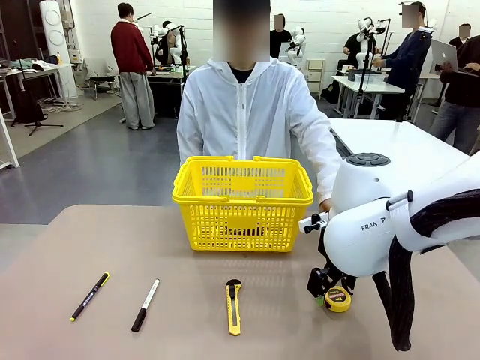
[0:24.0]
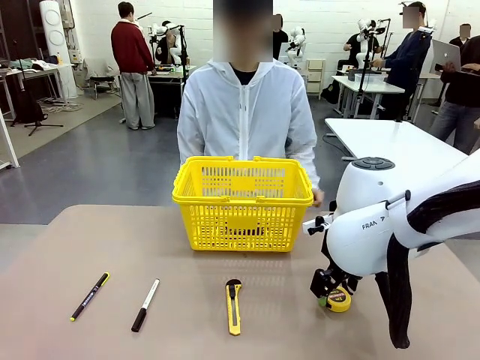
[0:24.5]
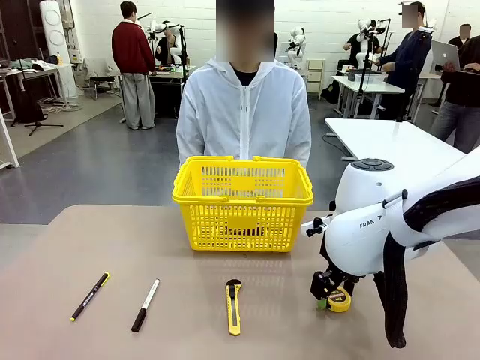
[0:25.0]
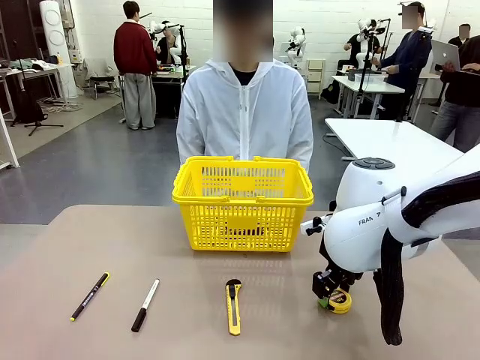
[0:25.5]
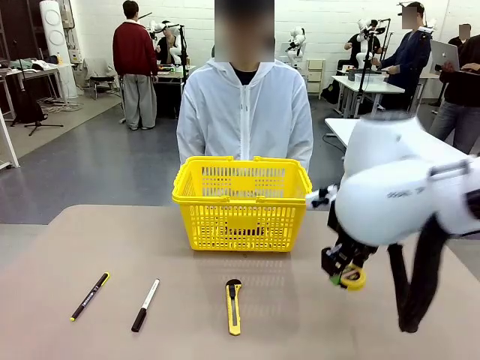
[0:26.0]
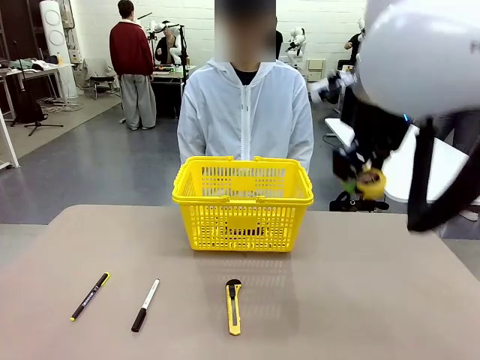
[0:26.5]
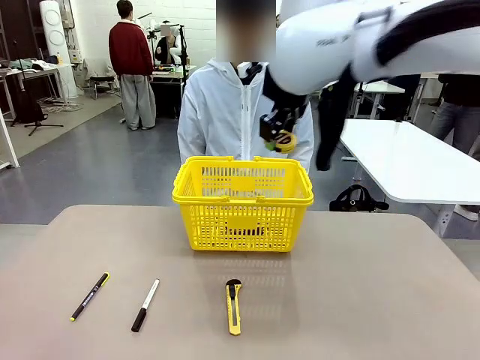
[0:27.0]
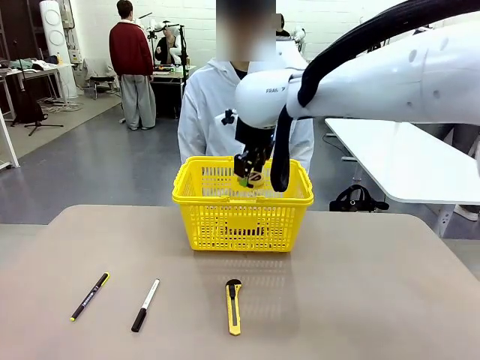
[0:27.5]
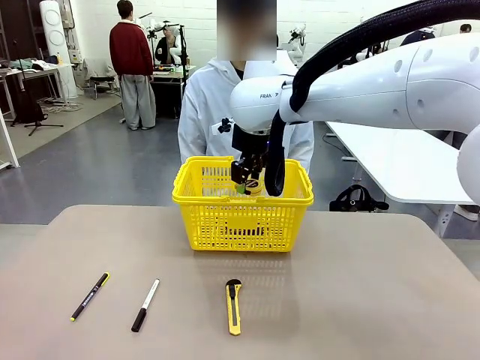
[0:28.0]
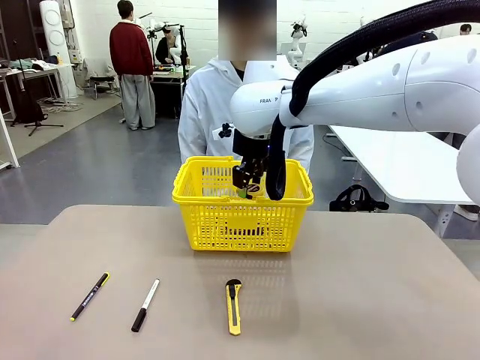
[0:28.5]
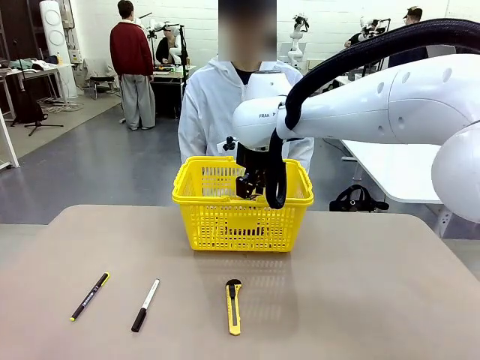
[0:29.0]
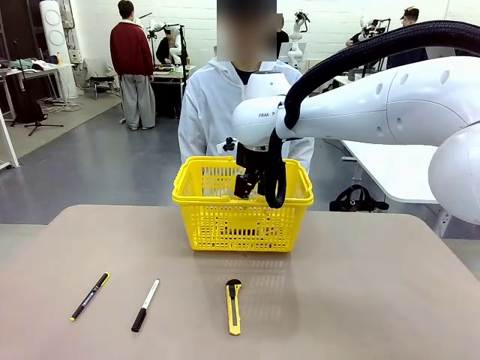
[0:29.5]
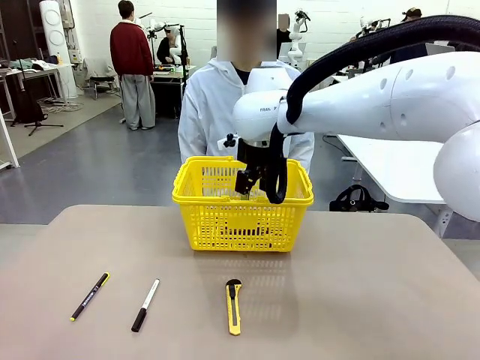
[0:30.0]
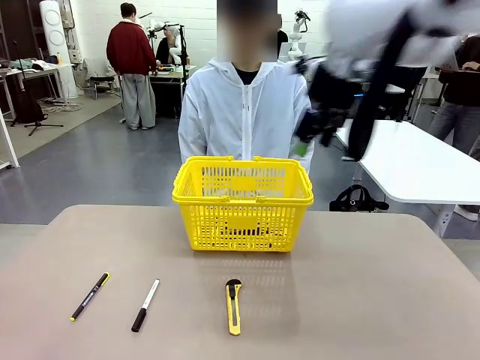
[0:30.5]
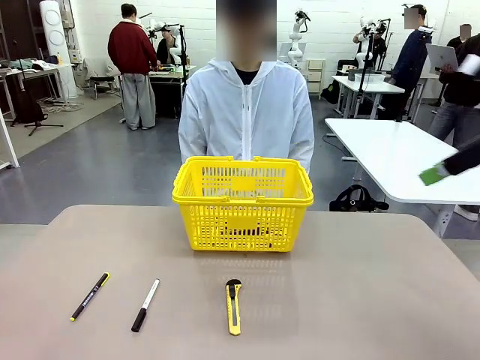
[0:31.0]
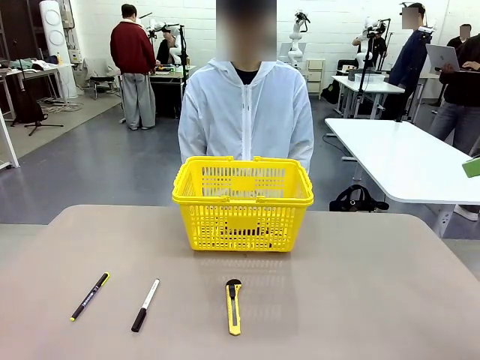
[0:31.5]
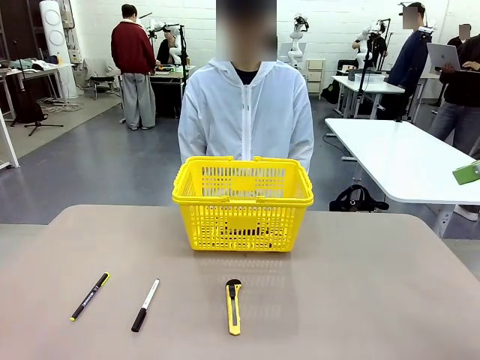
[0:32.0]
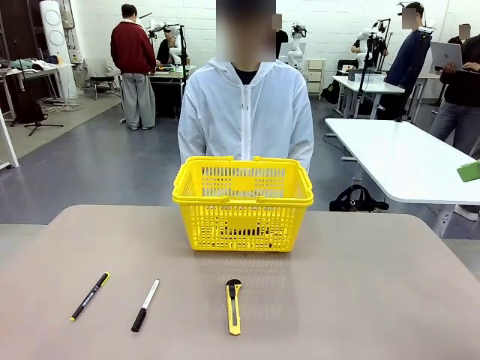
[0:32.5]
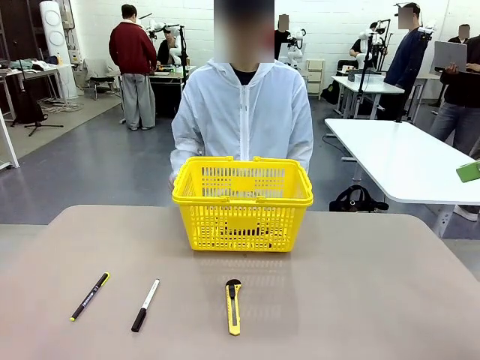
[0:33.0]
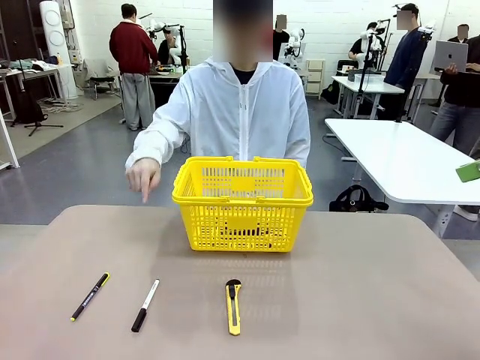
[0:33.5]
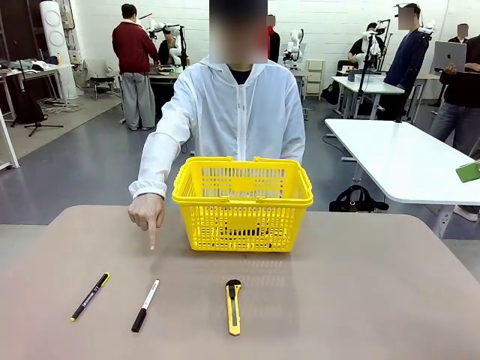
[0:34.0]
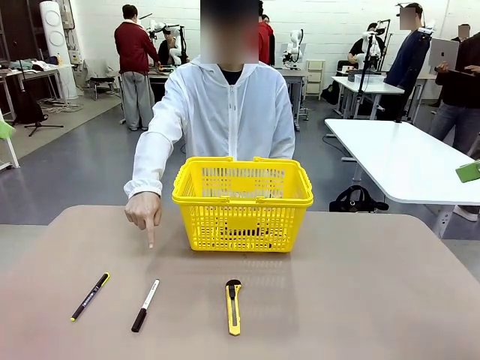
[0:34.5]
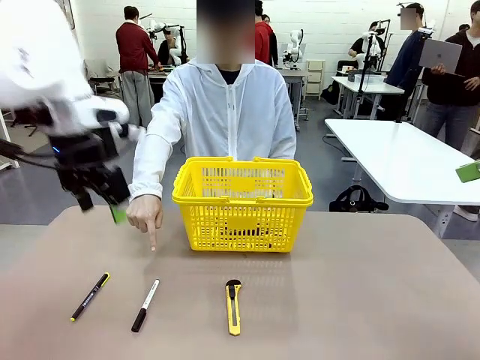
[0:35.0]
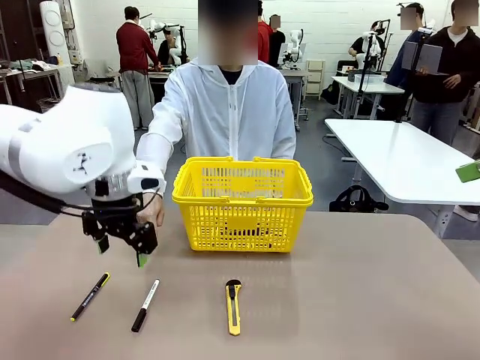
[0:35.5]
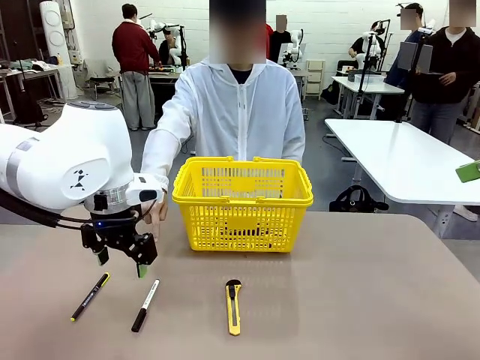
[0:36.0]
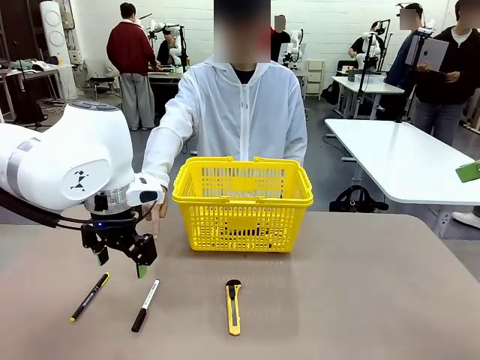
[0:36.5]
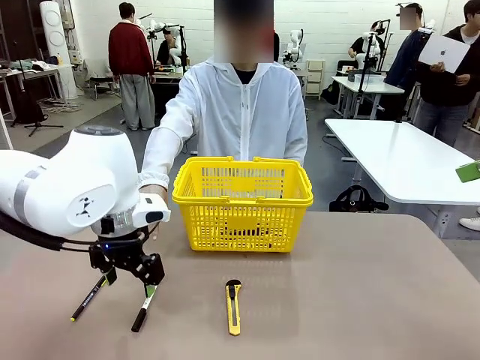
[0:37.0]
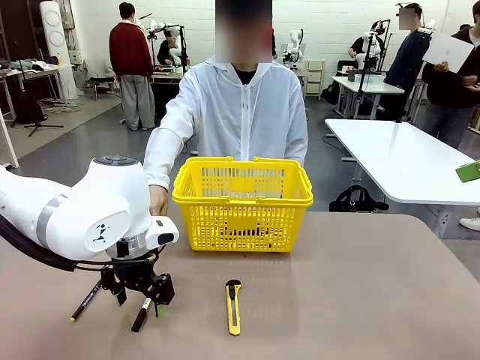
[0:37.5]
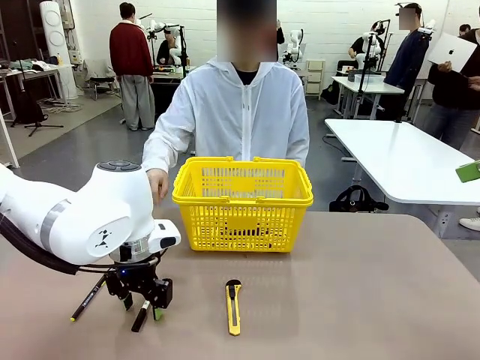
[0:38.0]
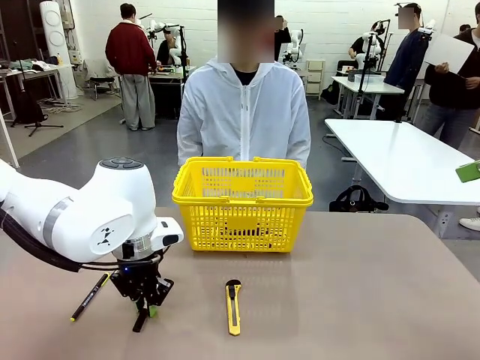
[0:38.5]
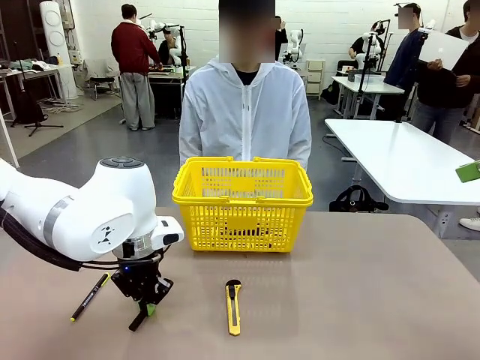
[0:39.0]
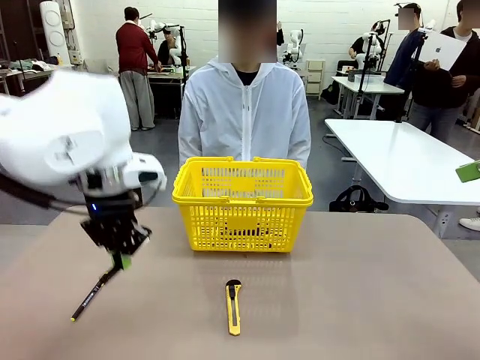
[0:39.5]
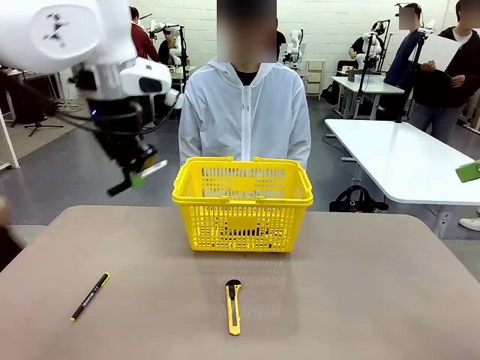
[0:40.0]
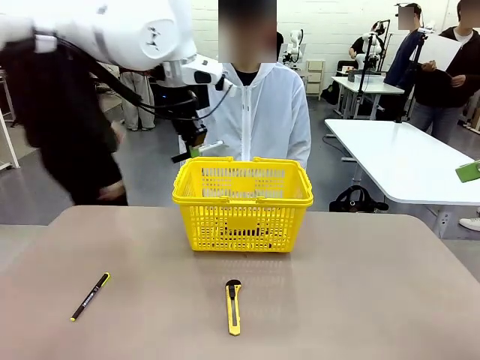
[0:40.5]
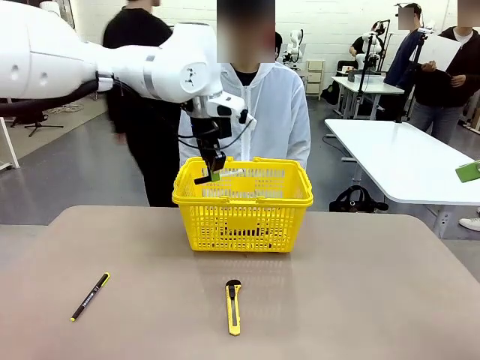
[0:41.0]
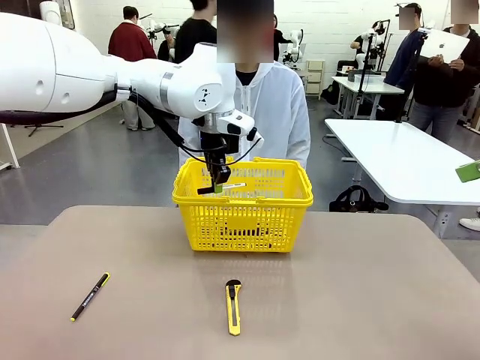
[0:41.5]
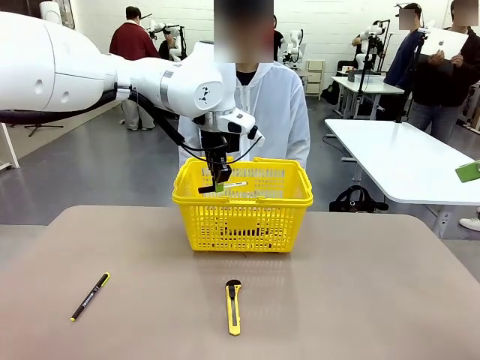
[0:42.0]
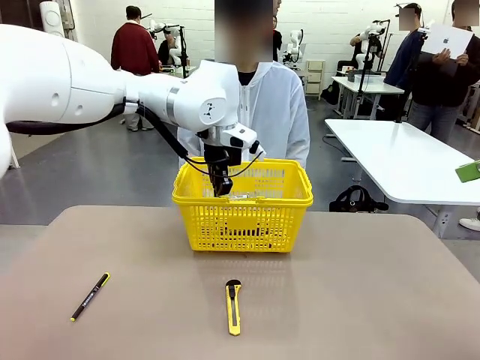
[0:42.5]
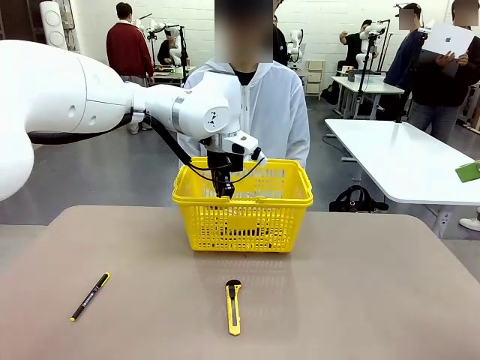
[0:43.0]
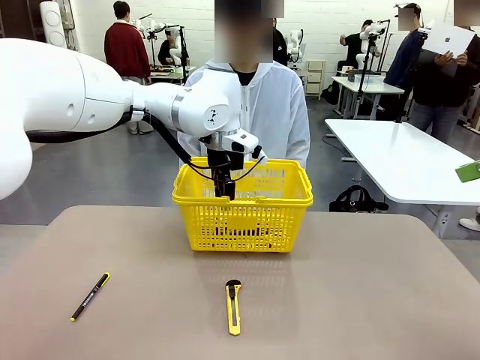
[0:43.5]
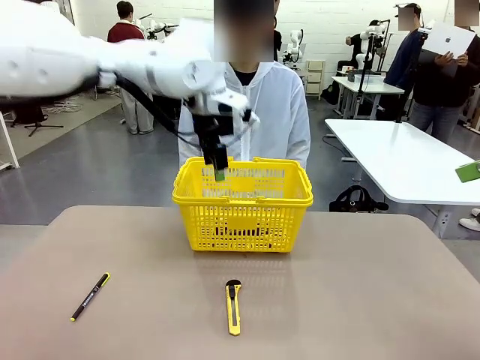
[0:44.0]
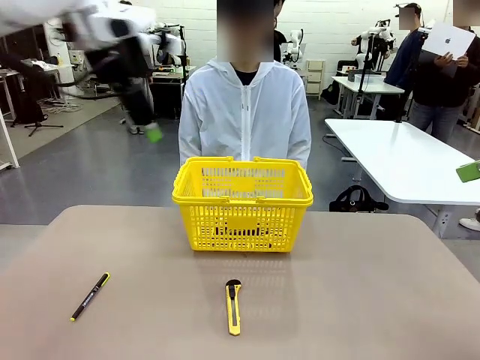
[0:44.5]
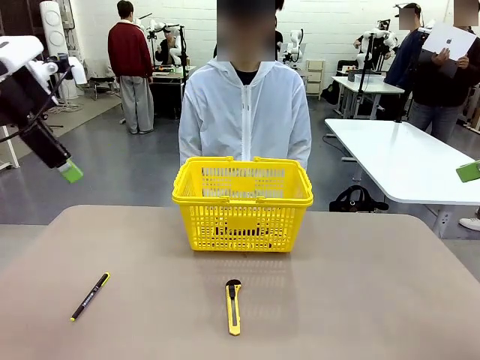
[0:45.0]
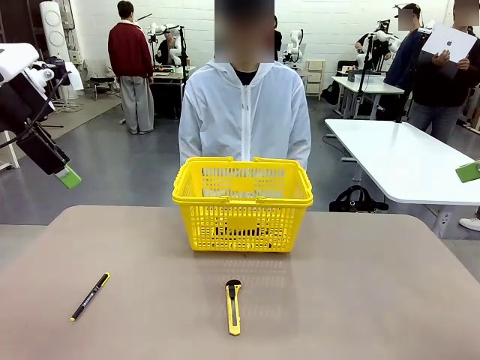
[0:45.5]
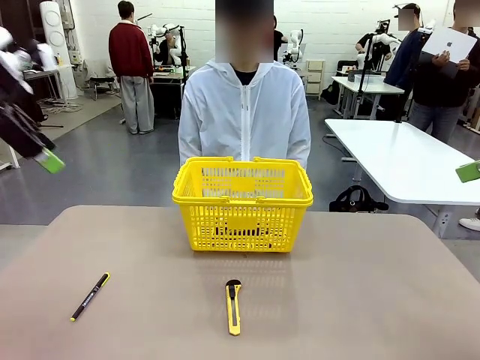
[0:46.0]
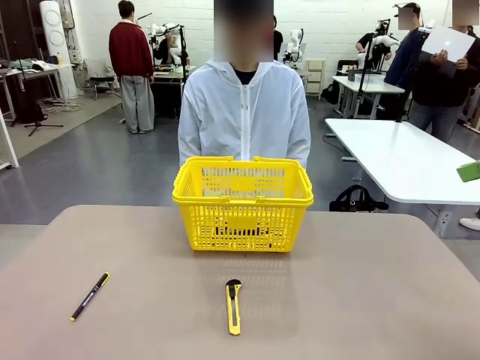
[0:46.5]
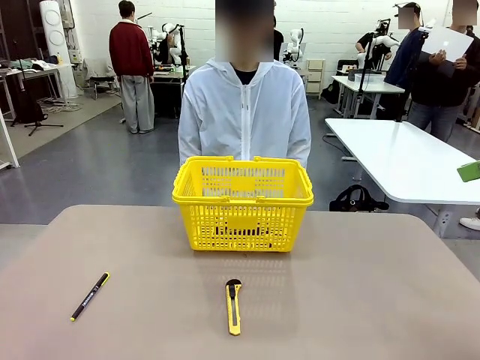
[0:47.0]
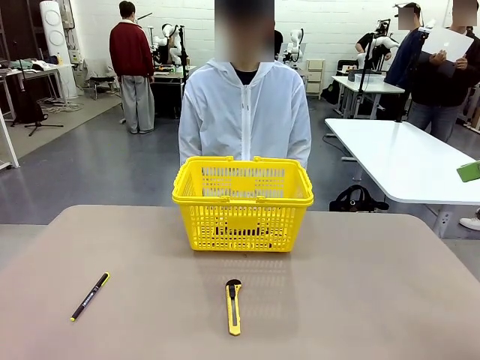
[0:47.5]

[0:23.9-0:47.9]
Task: Place the items the person wants into the basket.
Robot: Pick up the item the person points to and place it in the Market Basket.
Person: Point to one object on the table (excluding the basket).

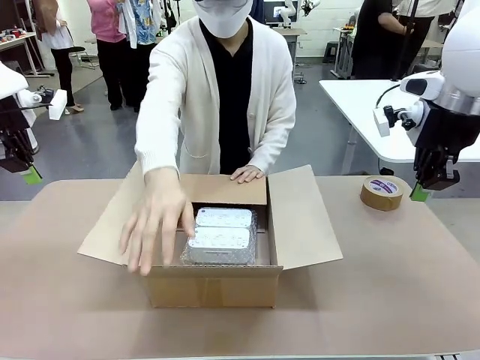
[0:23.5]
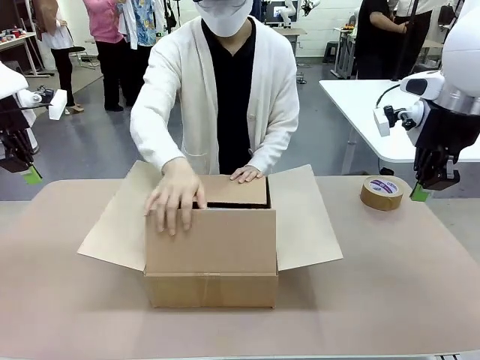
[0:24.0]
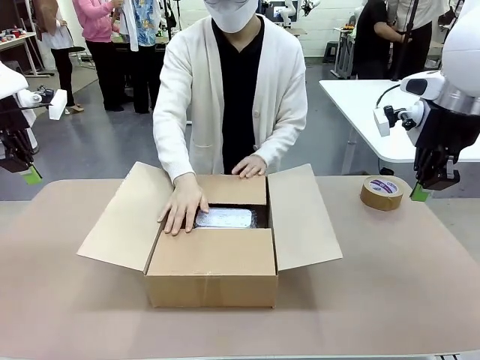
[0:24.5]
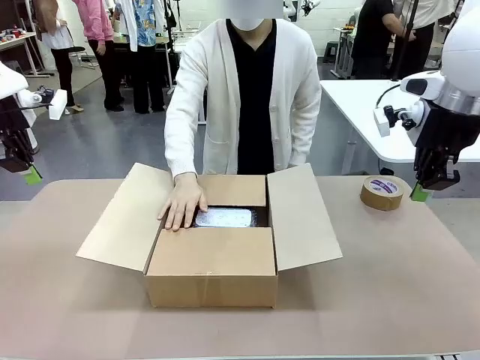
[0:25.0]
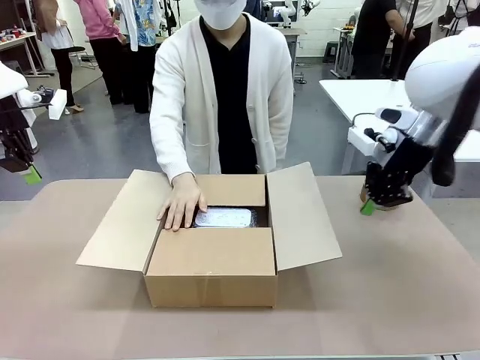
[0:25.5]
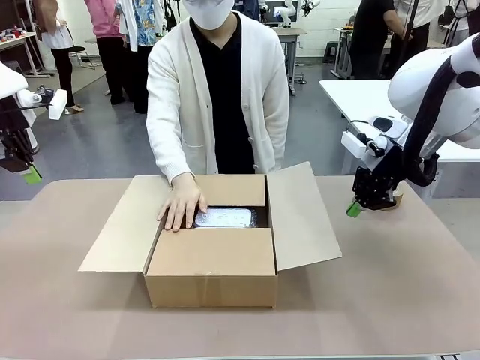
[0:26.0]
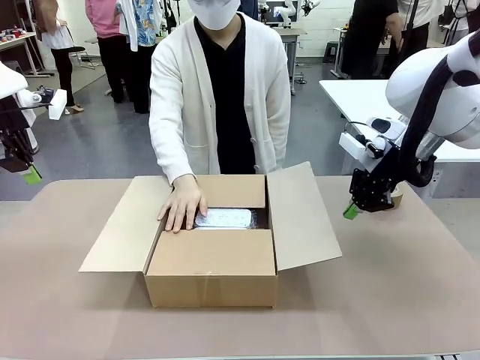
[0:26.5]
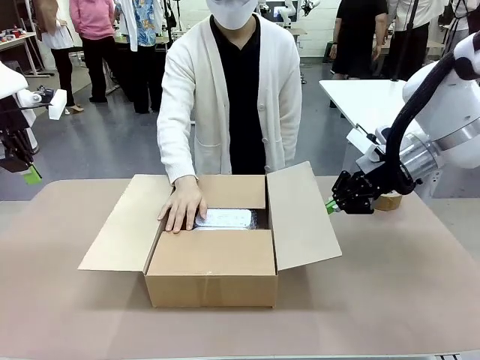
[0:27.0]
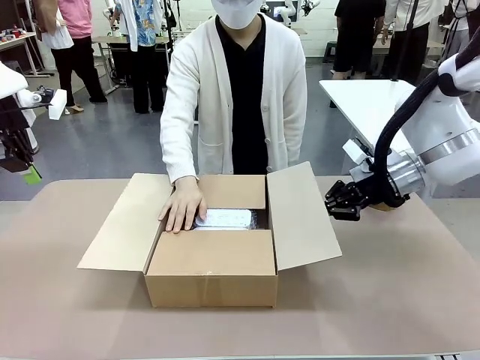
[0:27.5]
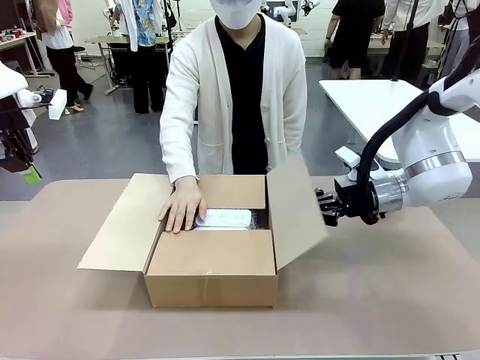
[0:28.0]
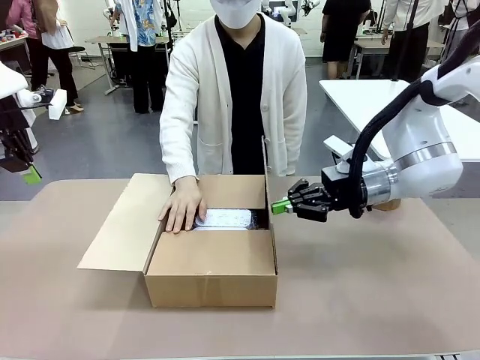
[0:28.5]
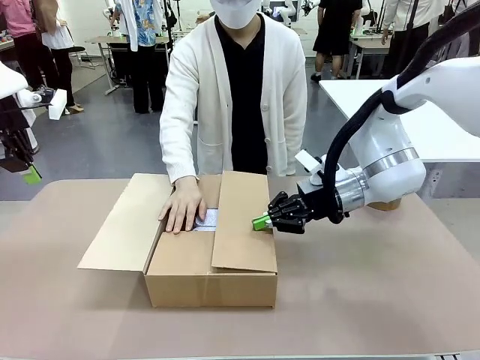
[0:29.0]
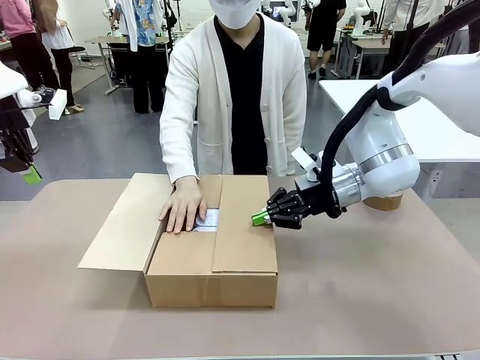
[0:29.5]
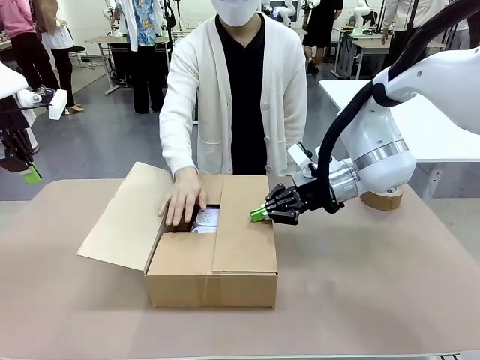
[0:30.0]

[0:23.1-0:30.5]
Task: Wrap the clocks to prevent damage.
Robot: Push the right (or left) flap of the Package Box to close it.
Person: Once the robot closes the right flap of the Package Box , release your left hand from the box.
